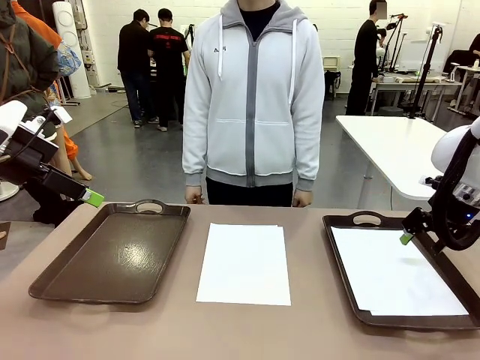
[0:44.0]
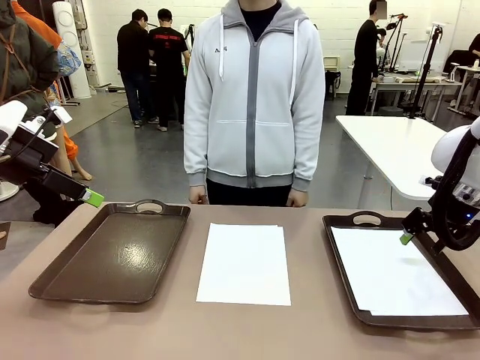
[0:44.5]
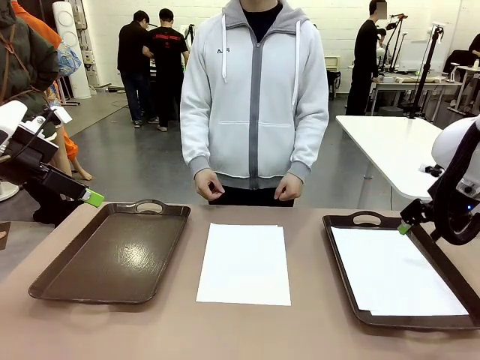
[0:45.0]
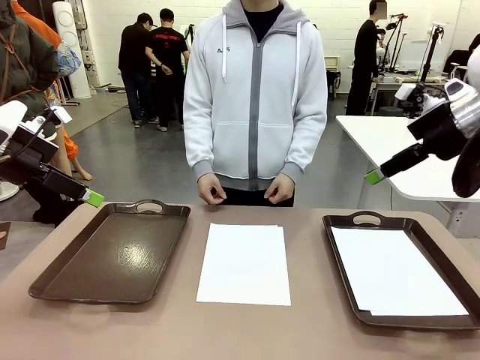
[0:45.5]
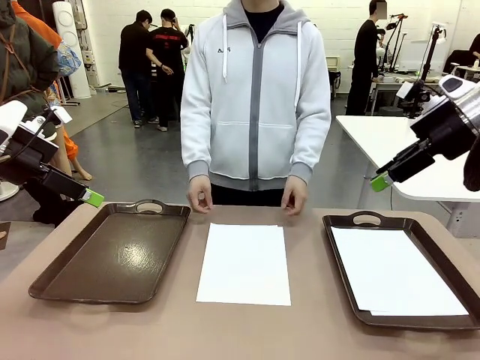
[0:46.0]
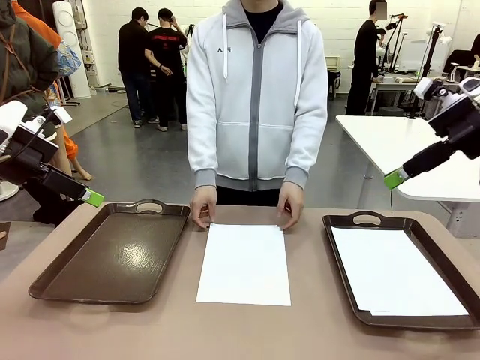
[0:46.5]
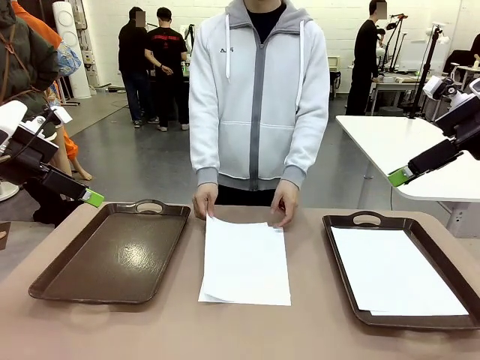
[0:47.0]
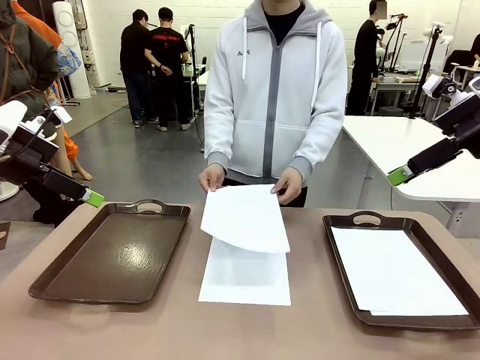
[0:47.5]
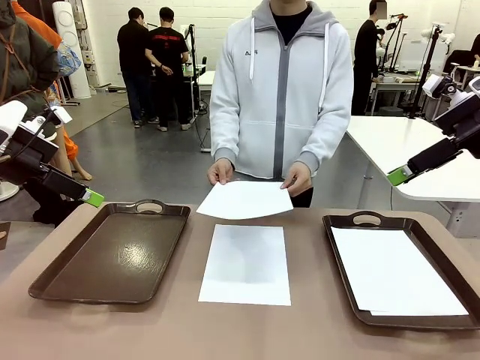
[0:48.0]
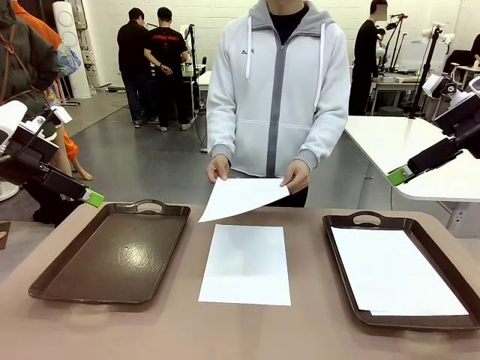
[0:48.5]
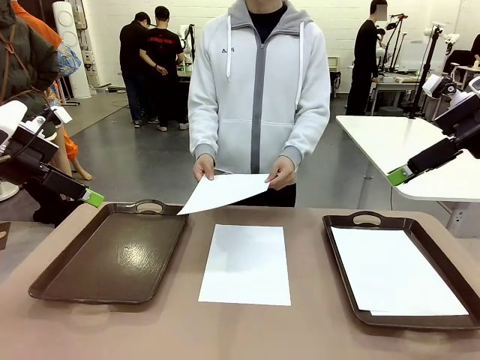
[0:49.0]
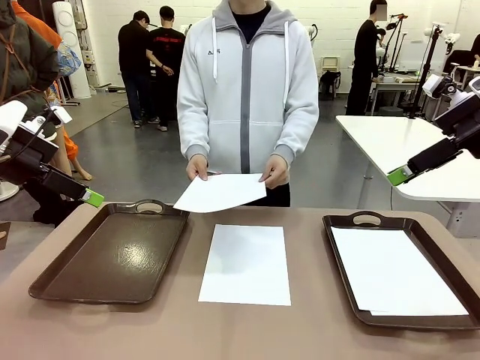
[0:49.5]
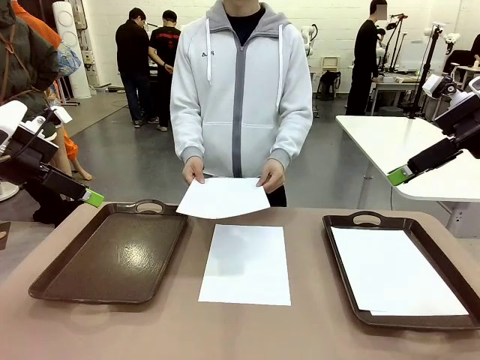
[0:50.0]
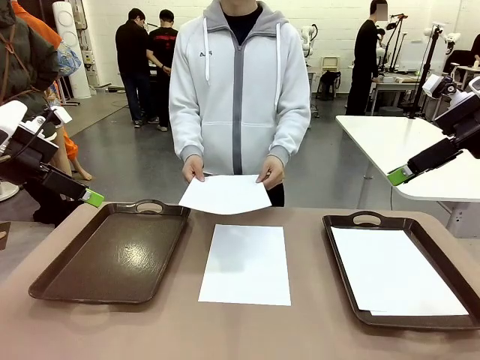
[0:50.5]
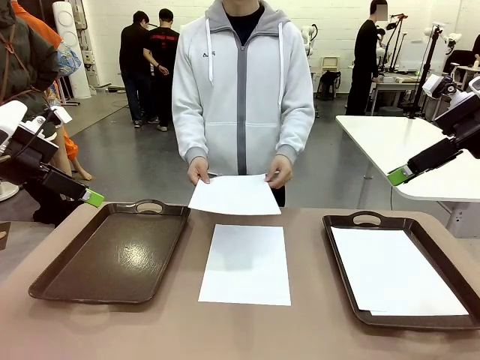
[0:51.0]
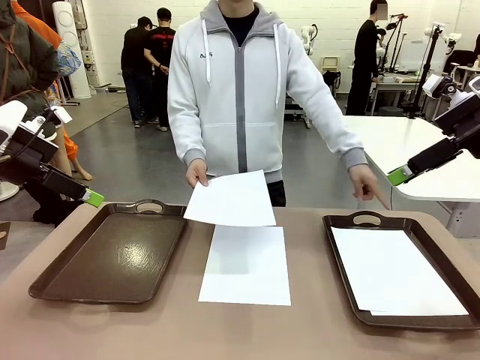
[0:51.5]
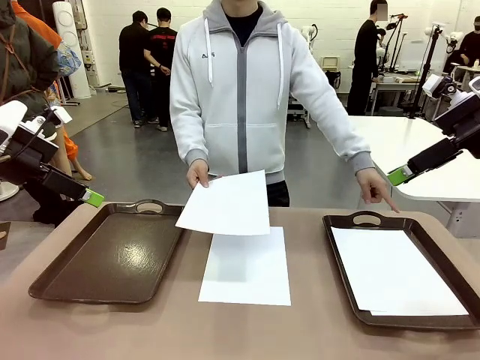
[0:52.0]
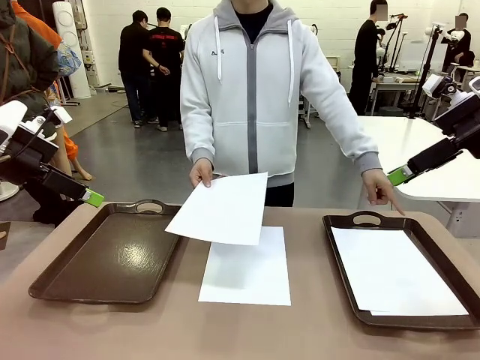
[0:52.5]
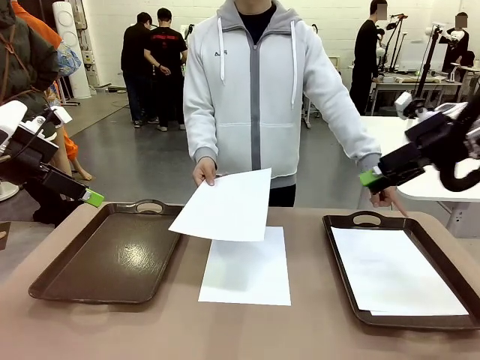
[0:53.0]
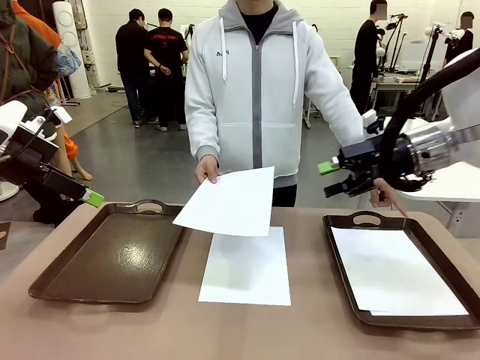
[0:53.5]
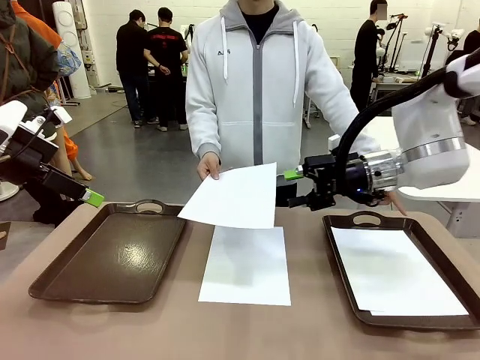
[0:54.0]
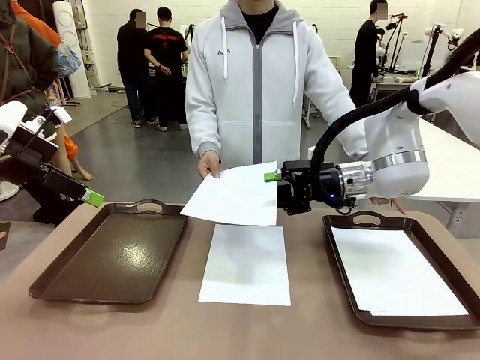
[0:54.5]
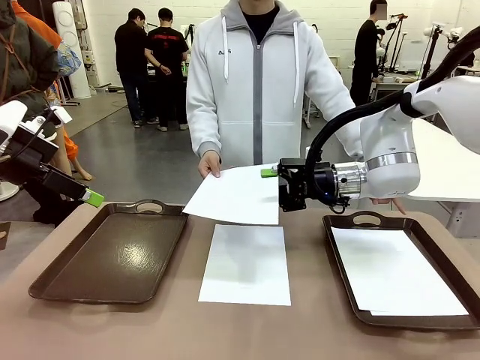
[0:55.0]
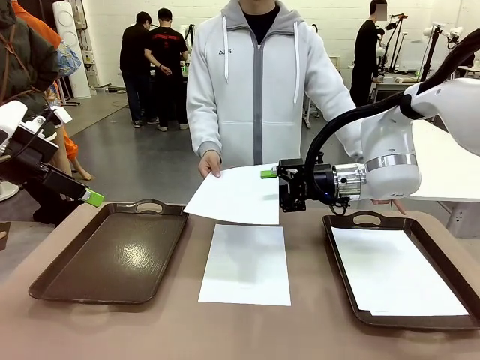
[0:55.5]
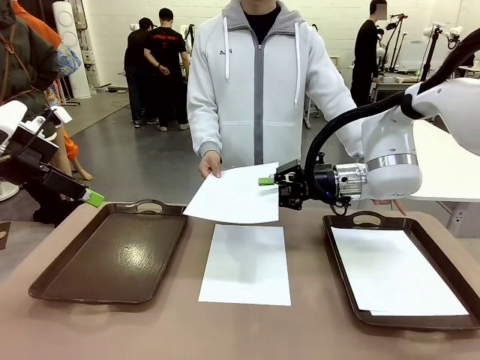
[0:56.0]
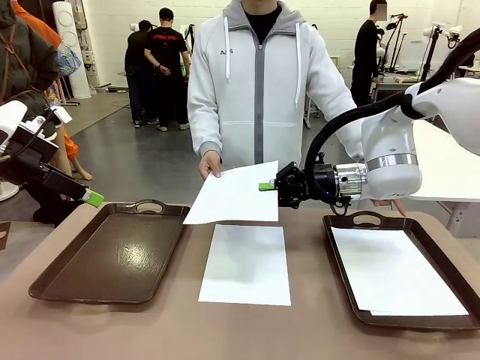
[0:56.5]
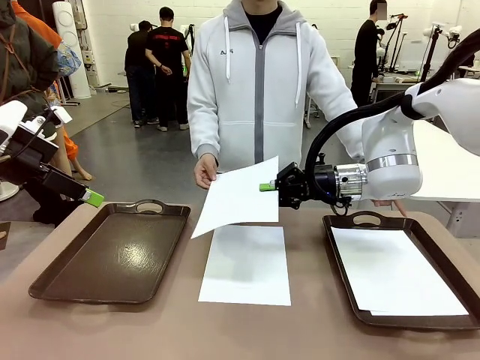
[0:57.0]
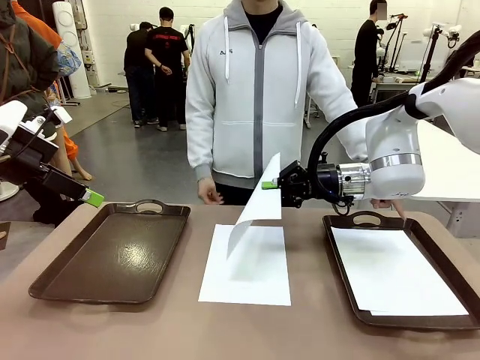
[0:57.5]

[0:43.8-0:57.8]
Task: Sort the A4 documents.
Robot: Receive the A4 Paper.
Person: Point the randomly selected tray with the other hand.

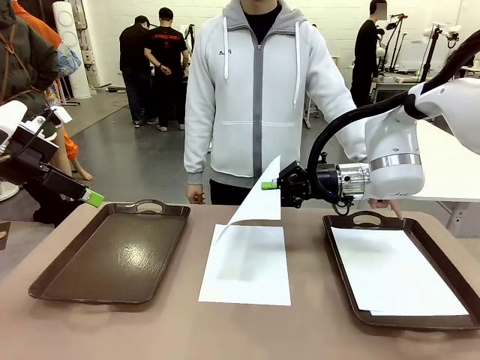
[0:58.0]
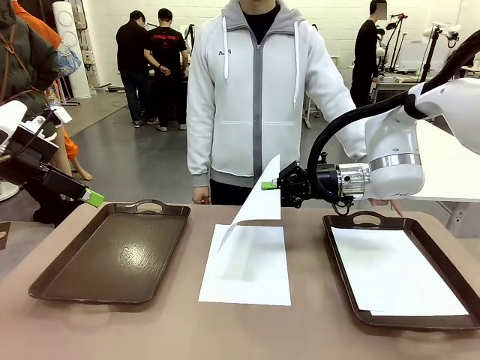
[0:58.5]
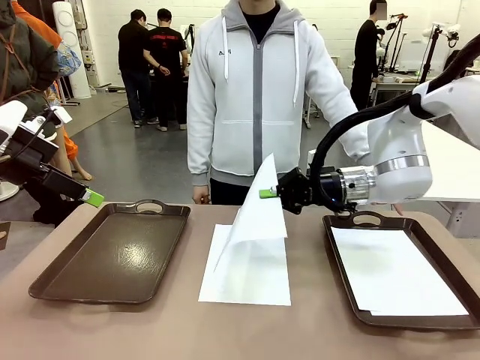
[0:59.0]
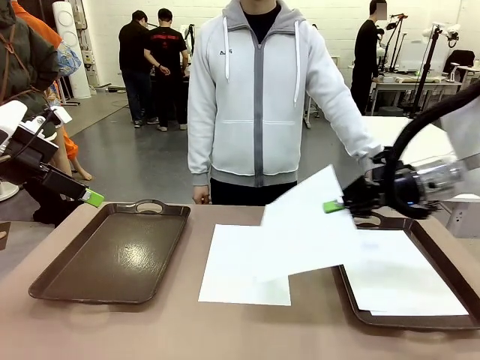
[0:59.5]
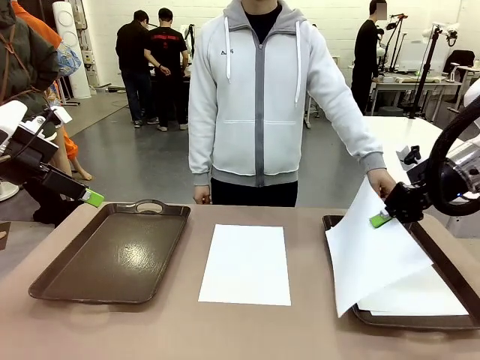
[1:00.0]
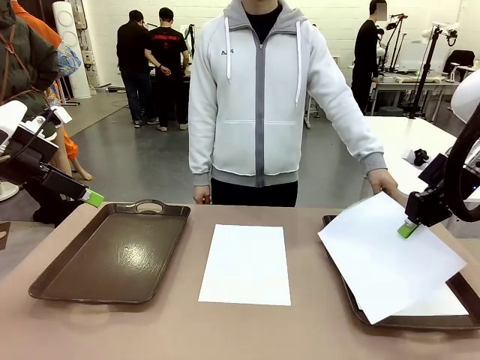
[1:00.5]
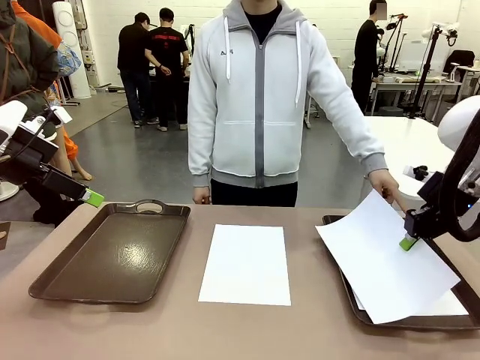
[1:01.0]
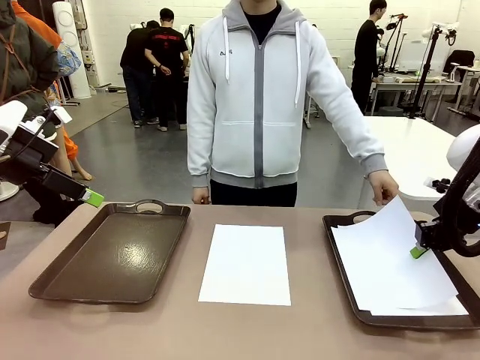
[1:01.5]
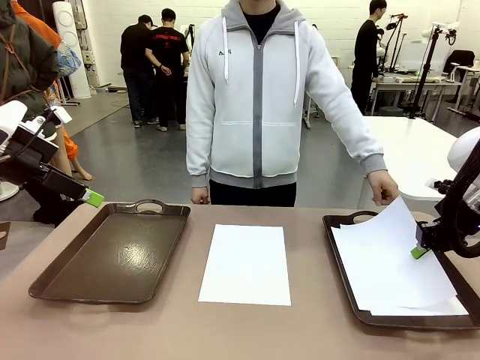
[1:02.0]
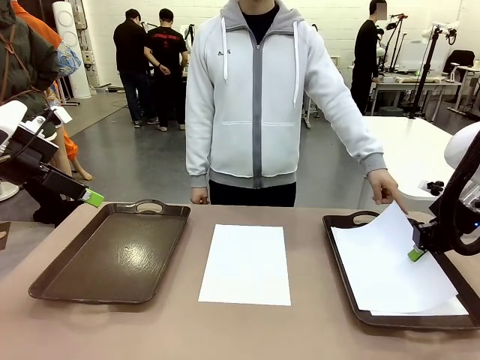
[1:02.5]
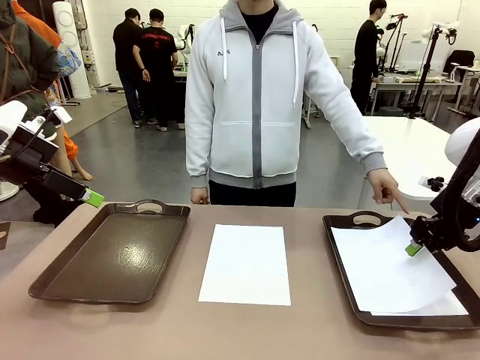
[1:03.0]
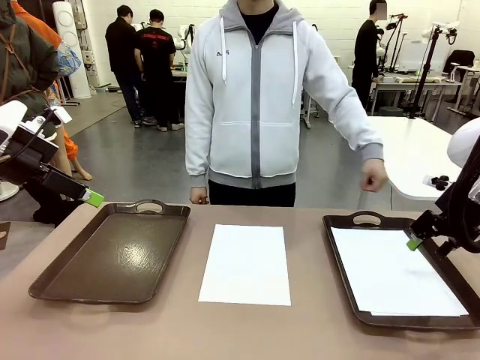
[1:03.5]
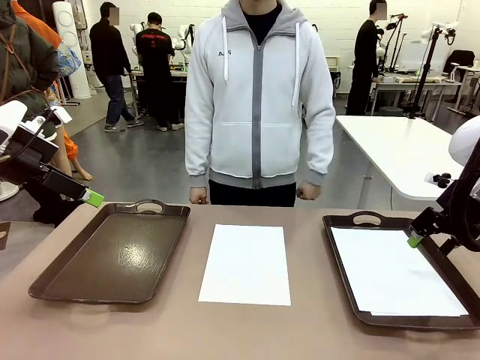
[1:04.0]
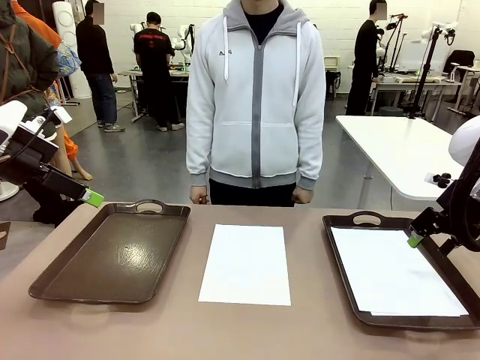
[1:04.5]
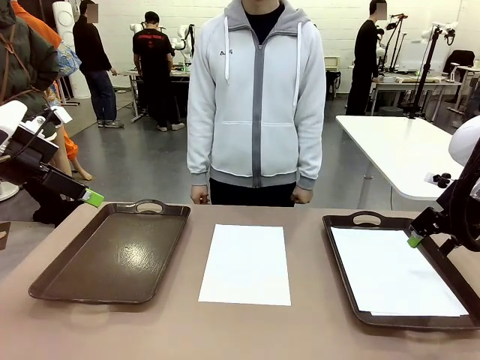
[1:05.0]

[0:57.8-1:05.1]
Robot: Place the A4 Paper in the designated Handle tray.

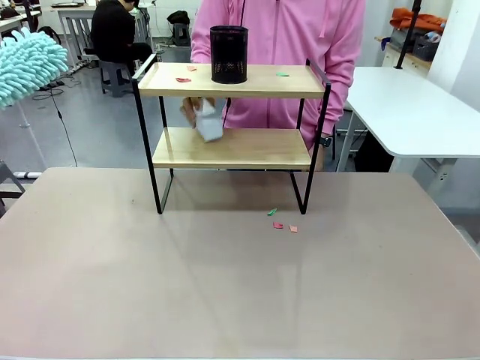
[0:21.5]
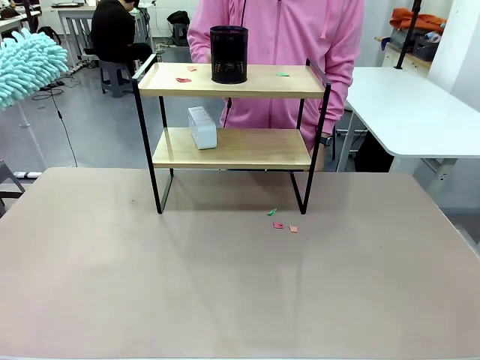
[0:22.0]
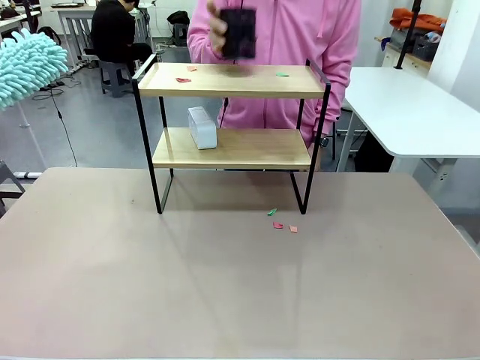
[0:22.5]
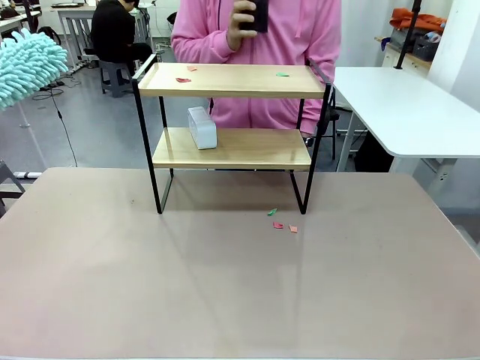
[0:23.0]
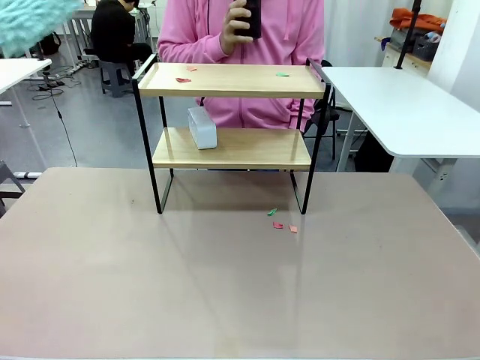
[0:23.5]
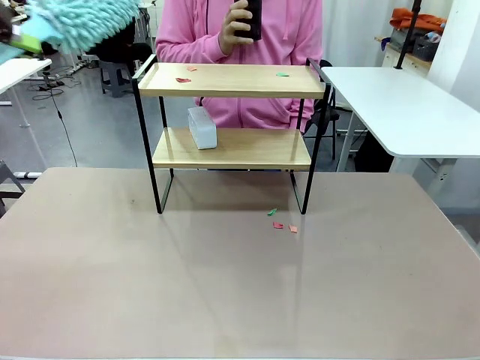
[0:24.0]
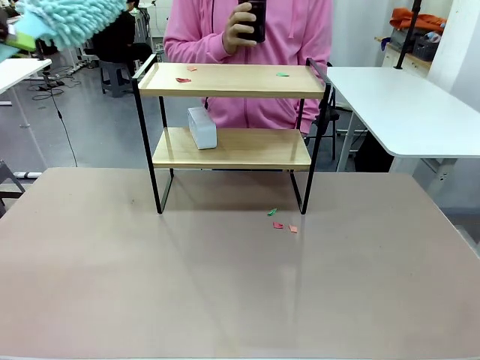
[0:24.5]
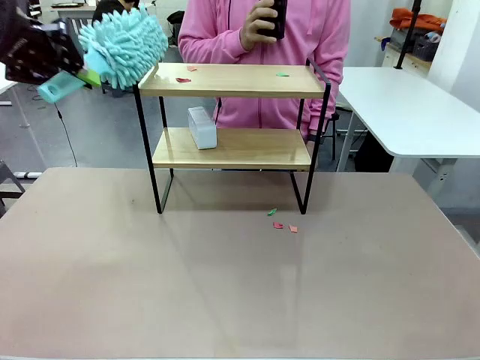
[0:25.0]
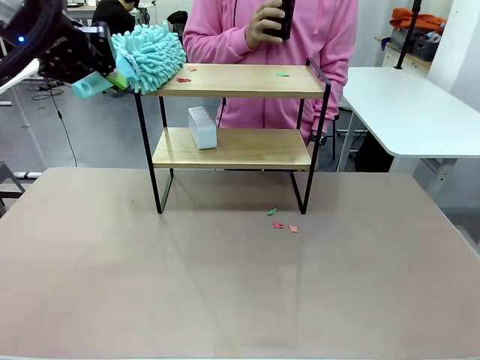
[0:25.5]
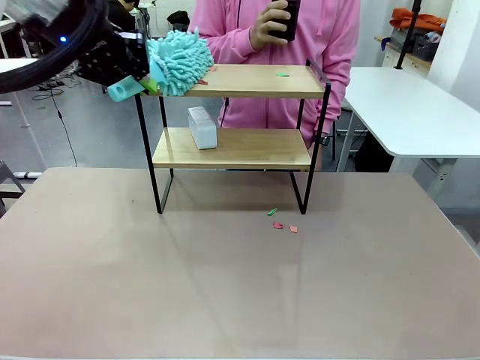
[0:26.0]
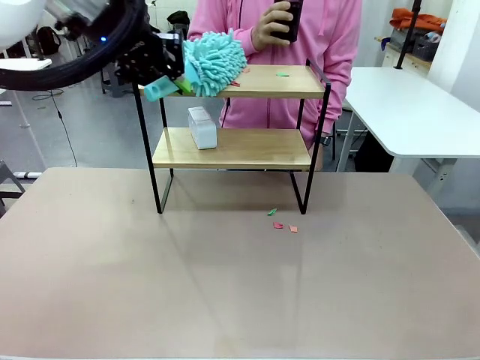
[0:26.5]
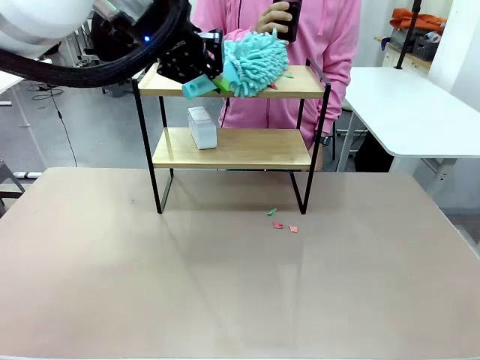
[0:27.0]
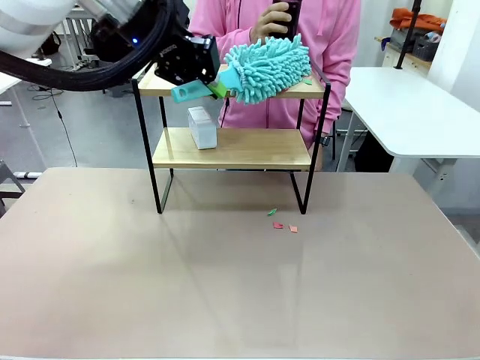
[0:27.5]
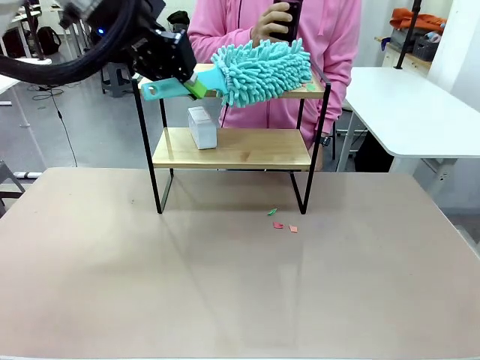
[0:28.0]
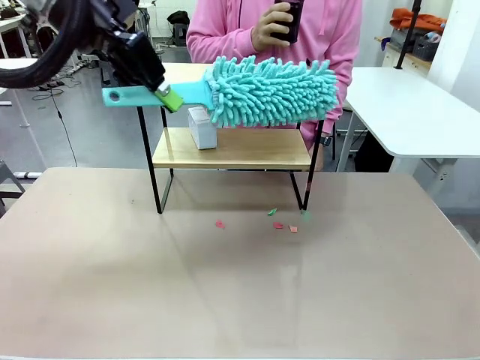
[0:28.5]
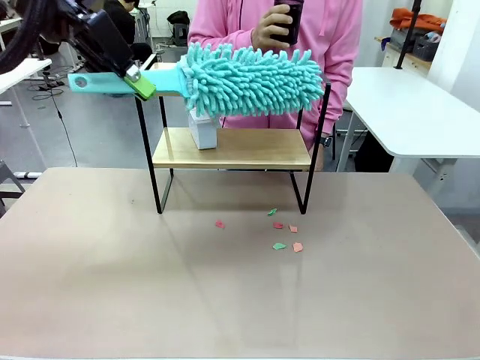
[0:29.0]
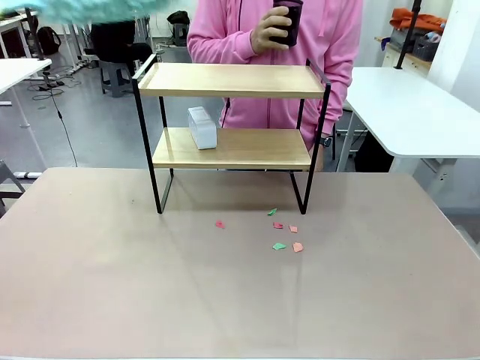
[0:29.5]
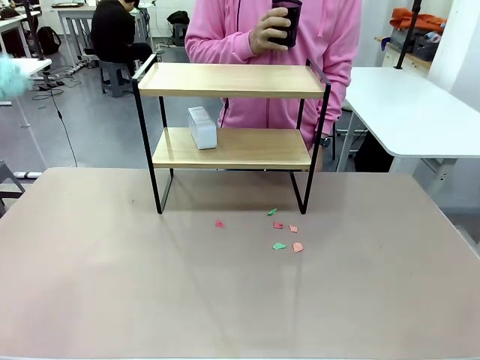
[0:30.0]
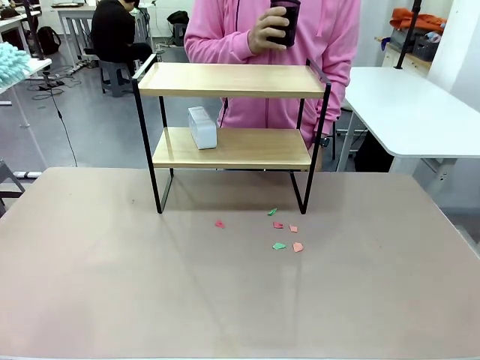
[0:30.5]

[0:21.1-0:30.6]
Task: Clean the shelf.
Robot: Clean the remaining tier of the Shelf with the Duster once objects are removed.
